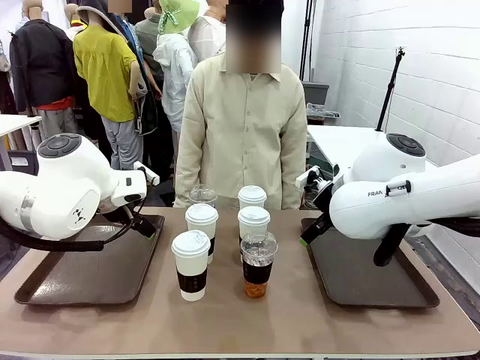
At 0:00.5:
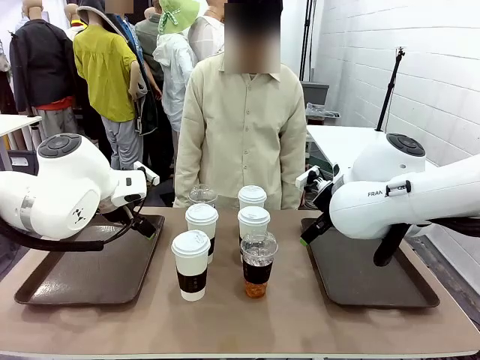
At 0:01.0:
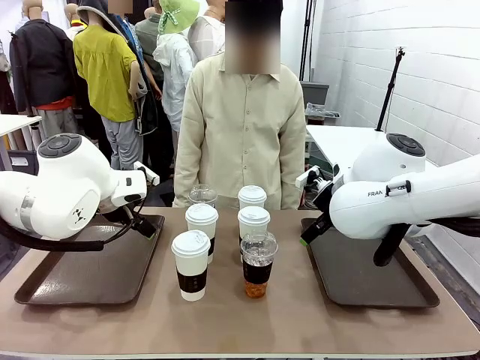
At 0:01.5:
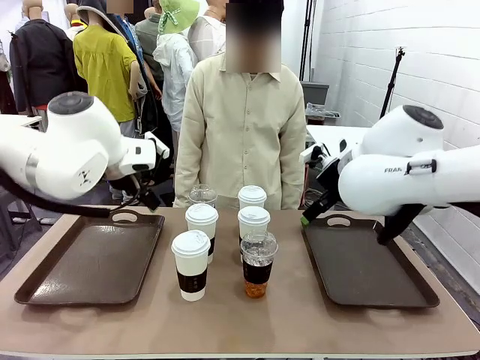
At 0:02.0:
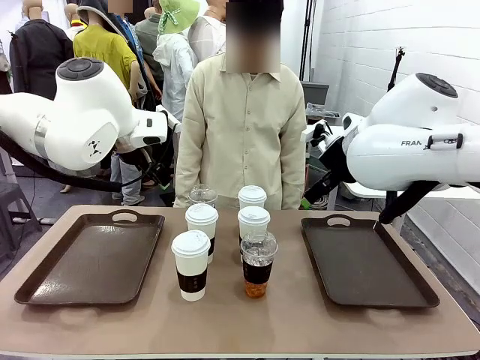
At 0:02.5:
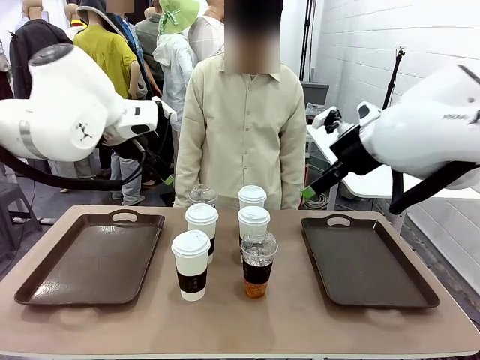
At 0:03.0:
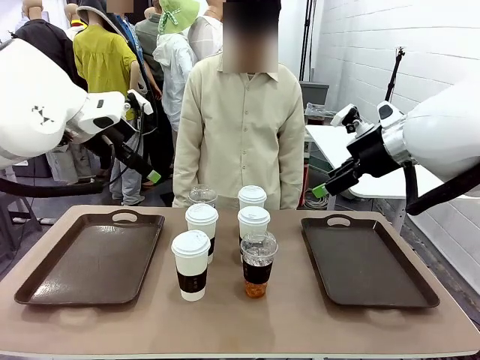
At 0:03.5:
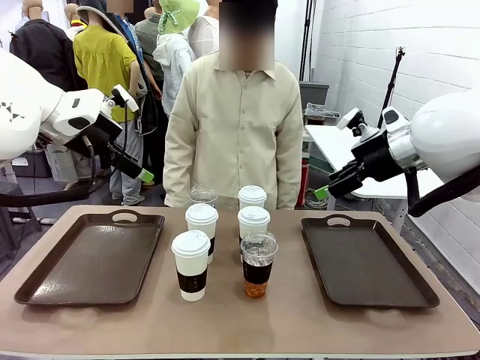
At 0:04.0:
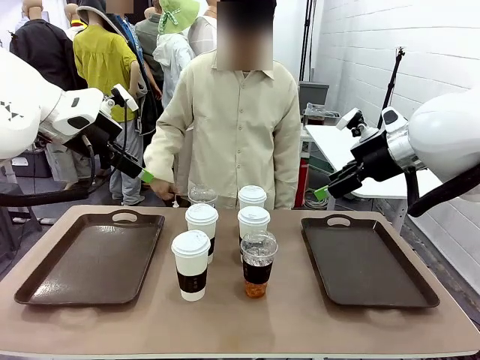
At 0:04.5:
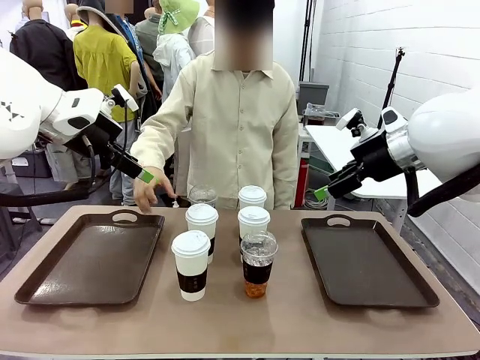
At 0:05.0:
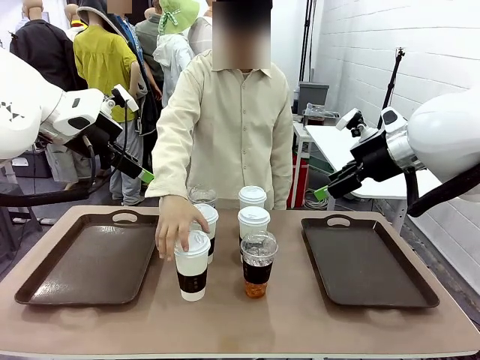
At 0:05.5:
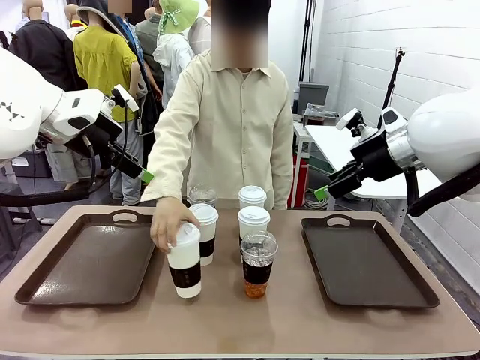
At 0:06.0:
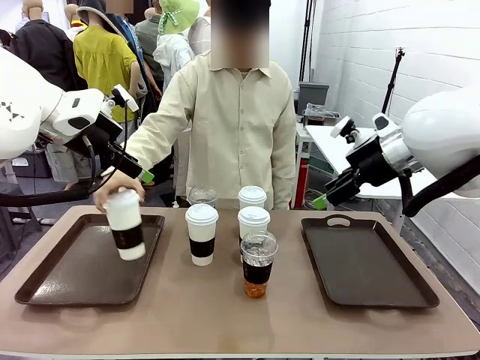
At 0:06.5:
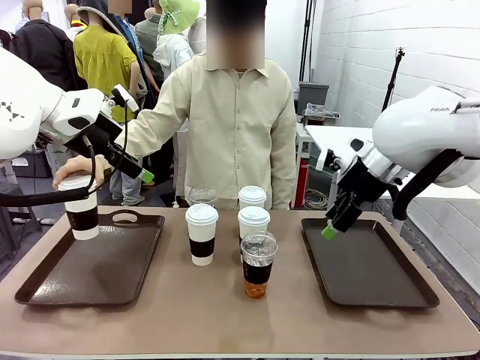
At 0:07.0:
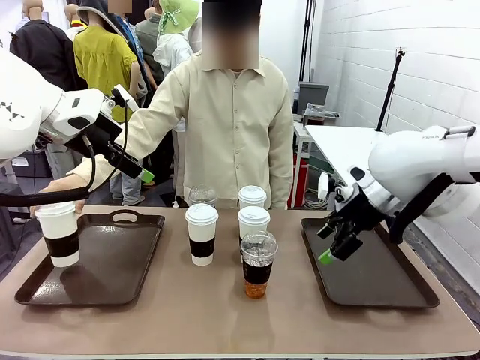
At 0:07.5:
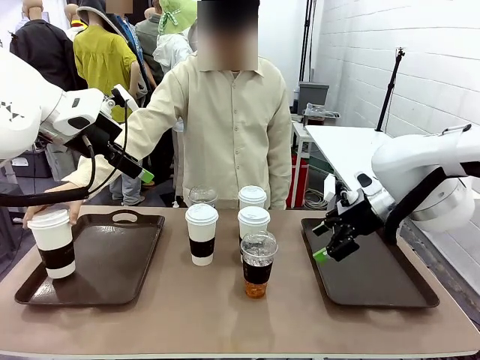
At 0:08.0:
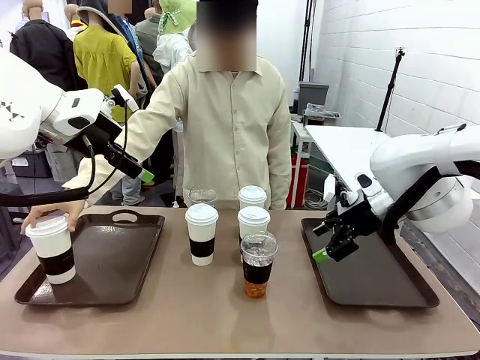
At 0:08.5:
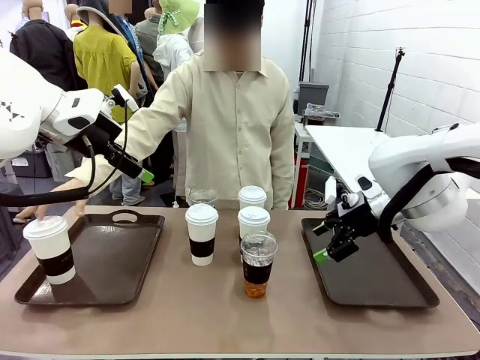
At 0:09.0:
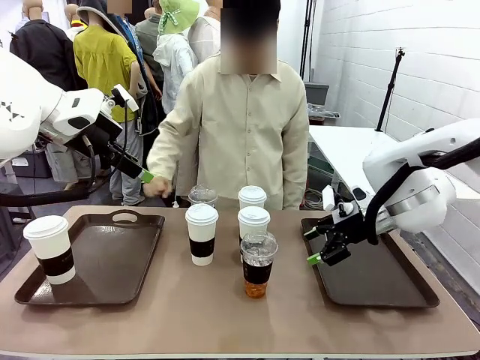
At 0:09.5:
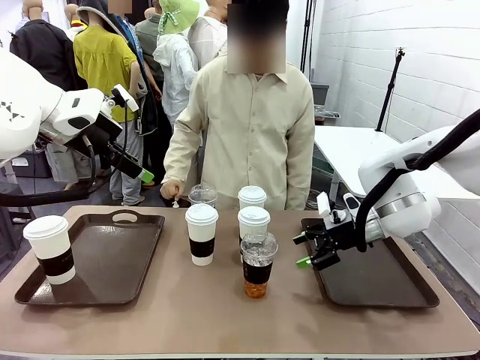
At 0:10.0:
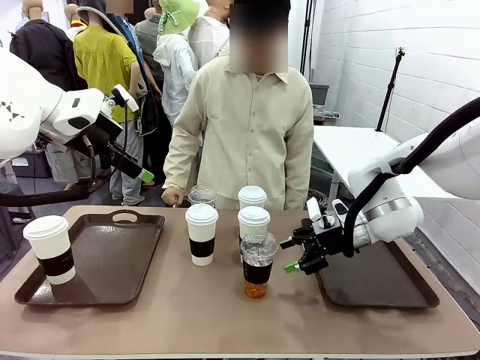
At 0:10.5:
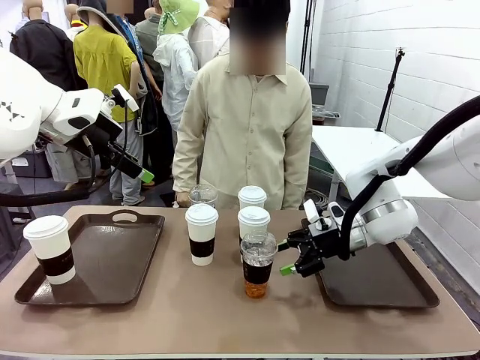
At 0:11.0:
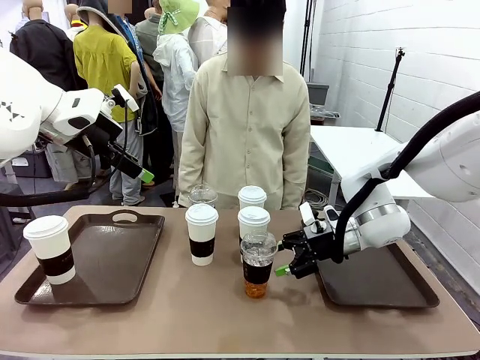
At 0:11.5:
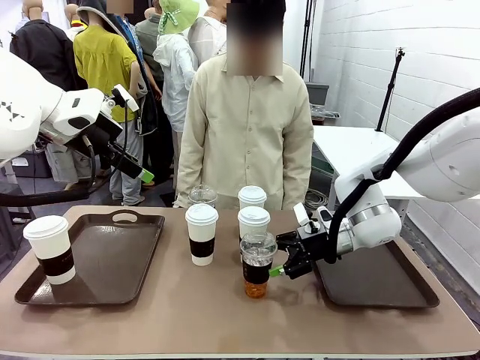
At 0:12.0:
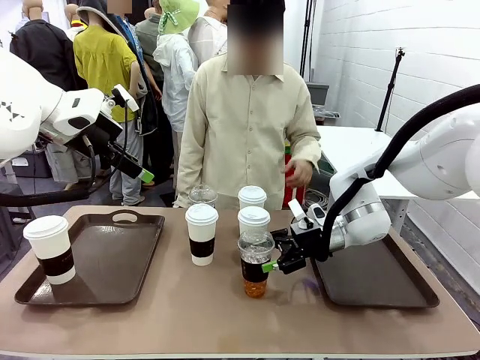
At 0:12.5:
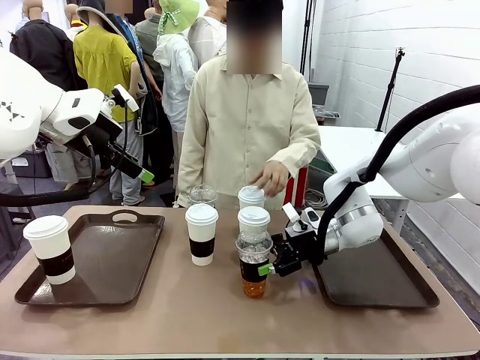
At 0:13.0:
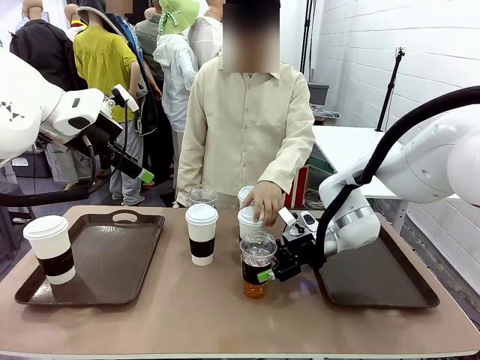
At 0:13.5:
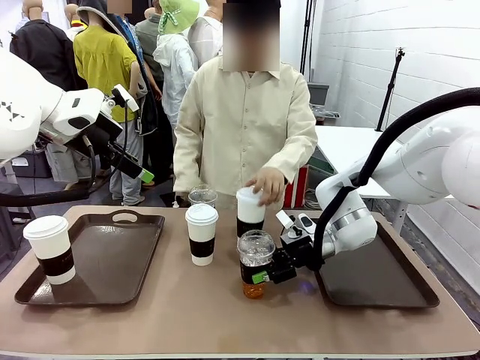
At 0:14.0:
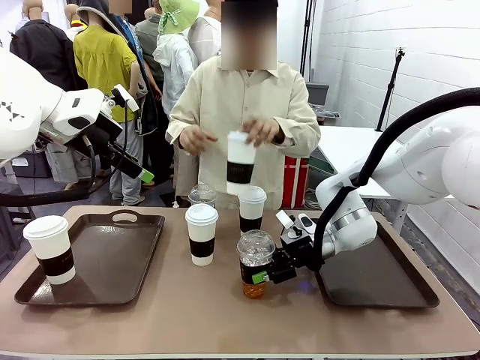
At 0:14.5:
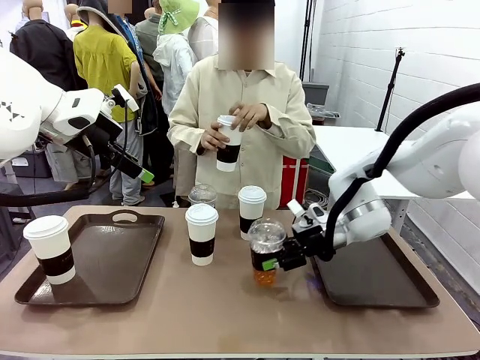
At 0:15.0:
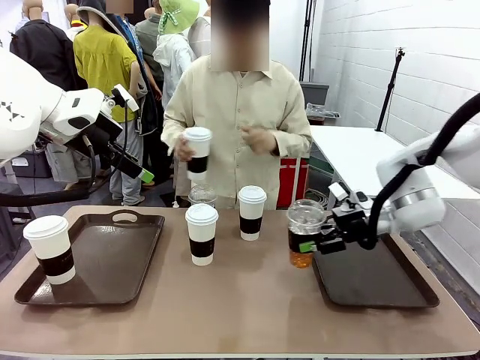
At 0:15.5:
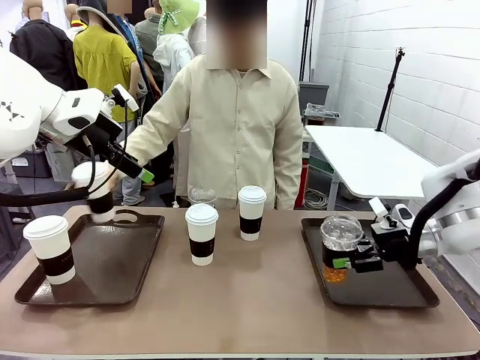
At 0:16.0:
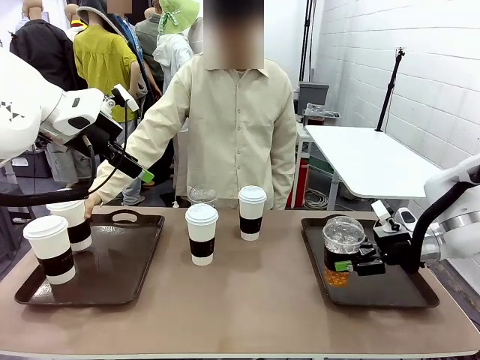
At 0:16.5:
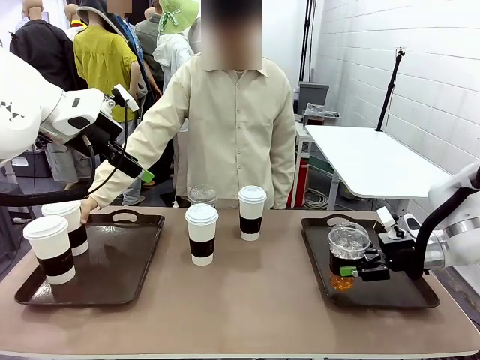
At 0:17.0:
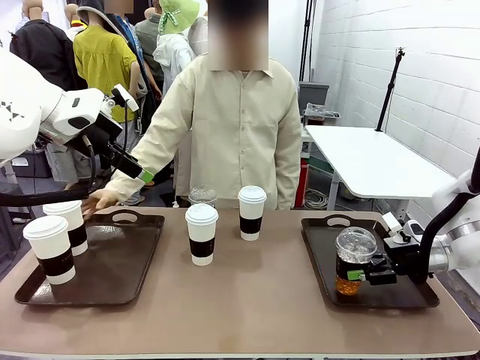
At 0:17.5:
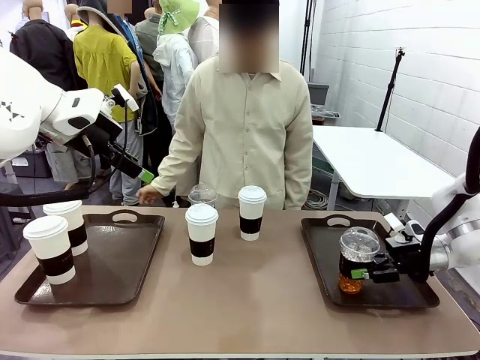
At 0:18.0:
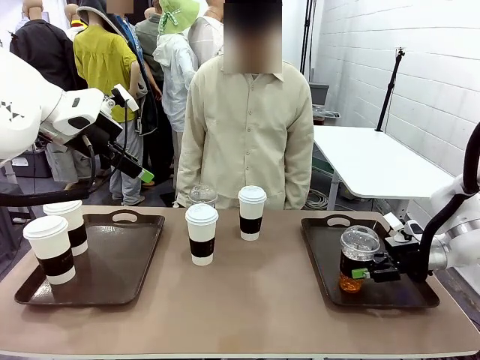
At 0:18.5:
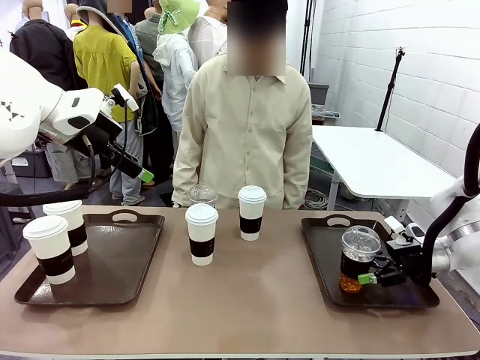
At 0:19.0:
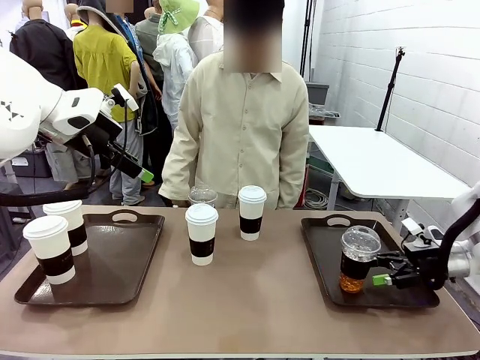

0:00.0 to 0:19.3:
Task: Distribute the coffee onto the tray.
Robot: Pick up one iced Americano and place it on the right Handle tray.
Person: Pick up a cup of hot Americano and place it on the right tray.
